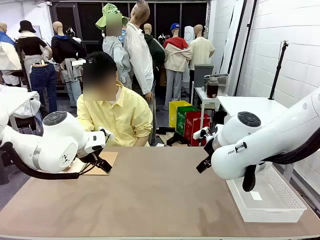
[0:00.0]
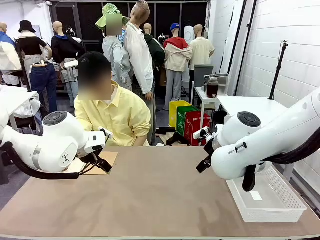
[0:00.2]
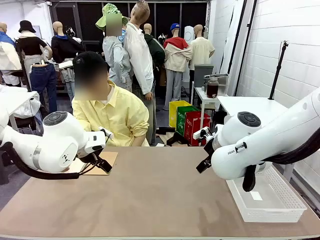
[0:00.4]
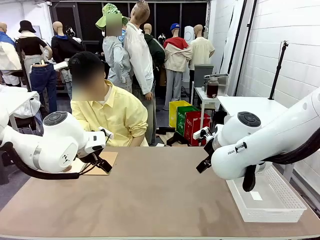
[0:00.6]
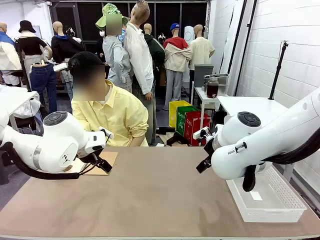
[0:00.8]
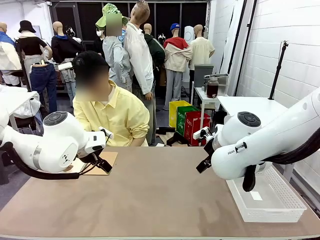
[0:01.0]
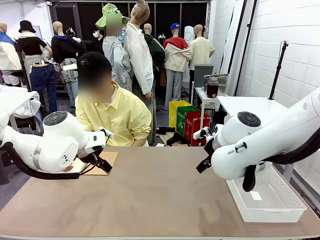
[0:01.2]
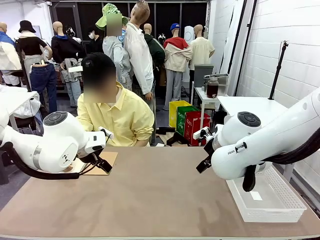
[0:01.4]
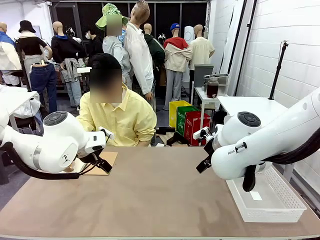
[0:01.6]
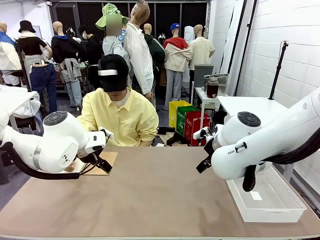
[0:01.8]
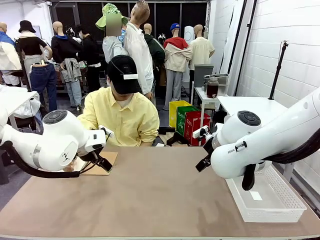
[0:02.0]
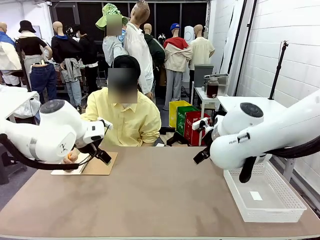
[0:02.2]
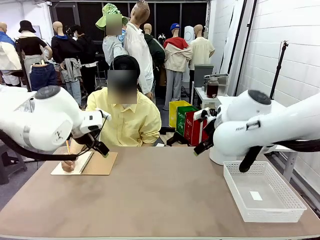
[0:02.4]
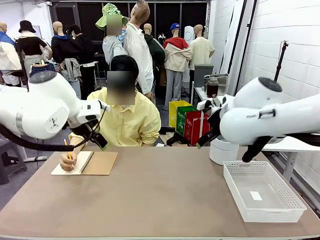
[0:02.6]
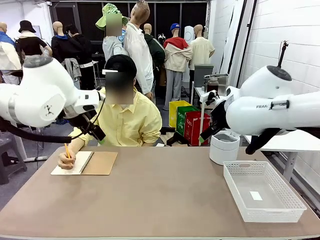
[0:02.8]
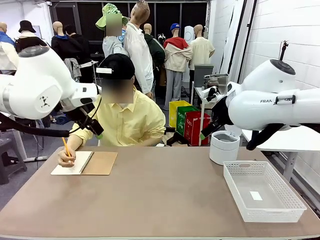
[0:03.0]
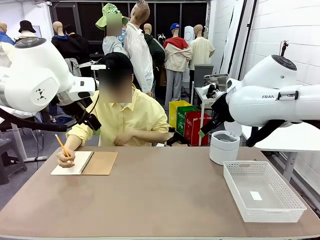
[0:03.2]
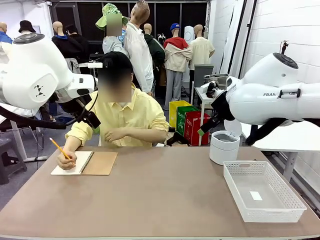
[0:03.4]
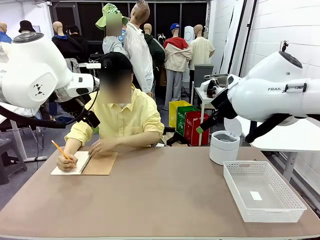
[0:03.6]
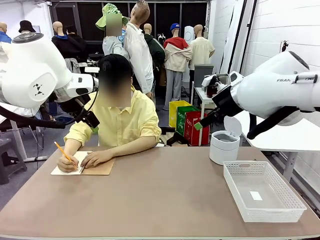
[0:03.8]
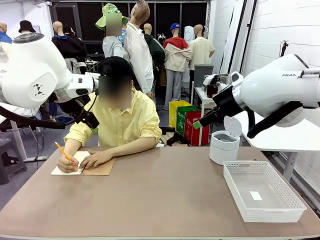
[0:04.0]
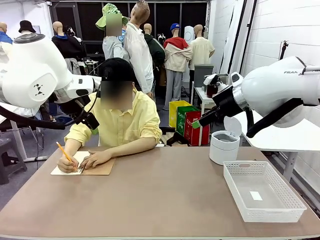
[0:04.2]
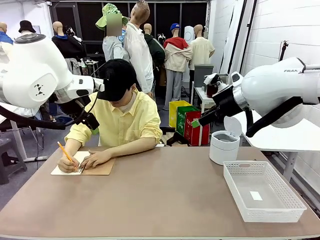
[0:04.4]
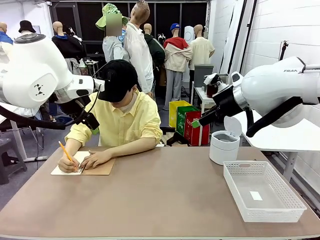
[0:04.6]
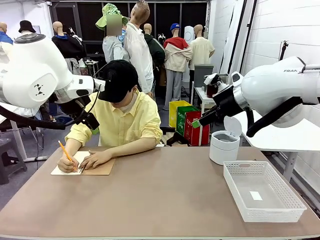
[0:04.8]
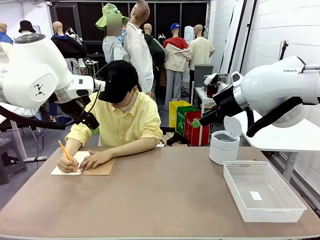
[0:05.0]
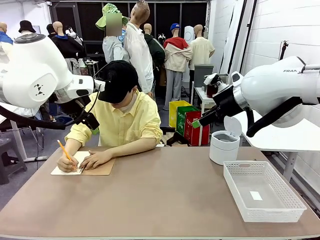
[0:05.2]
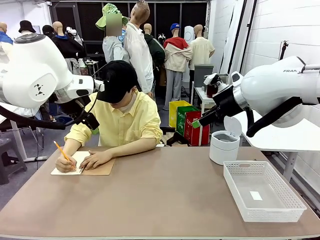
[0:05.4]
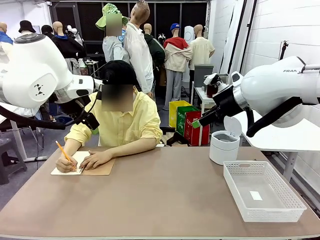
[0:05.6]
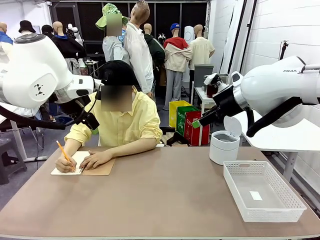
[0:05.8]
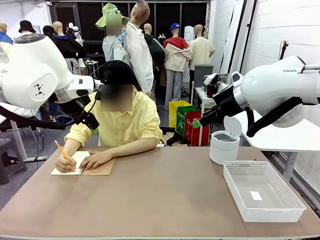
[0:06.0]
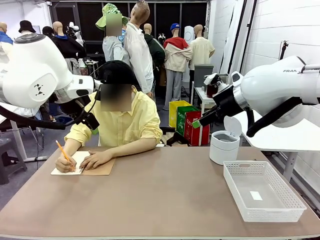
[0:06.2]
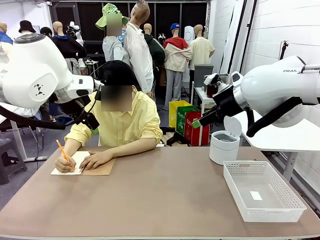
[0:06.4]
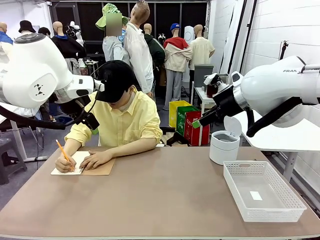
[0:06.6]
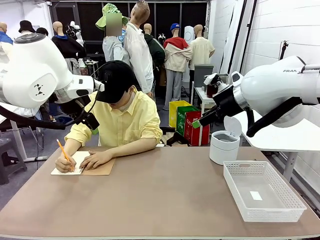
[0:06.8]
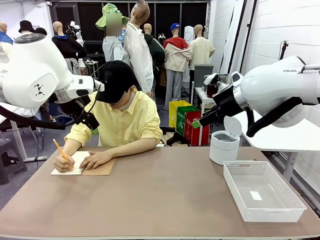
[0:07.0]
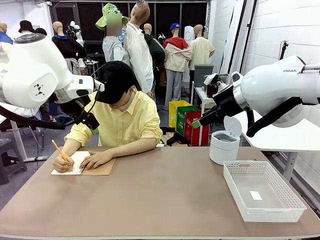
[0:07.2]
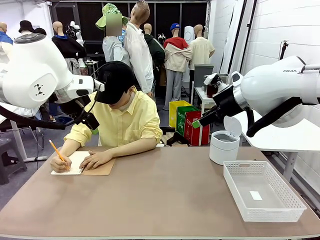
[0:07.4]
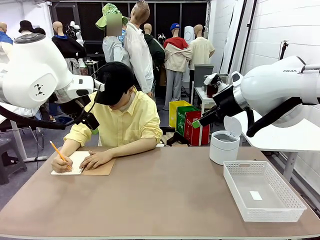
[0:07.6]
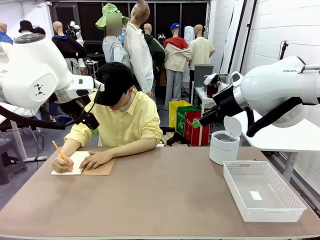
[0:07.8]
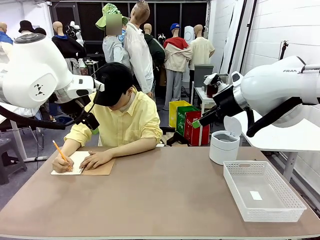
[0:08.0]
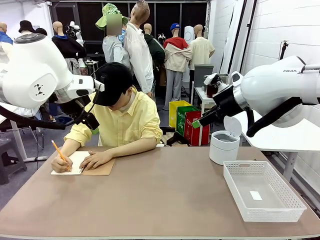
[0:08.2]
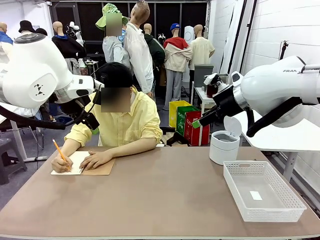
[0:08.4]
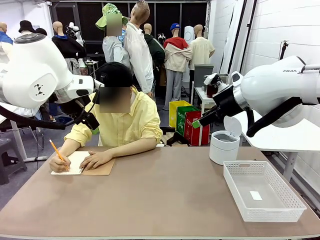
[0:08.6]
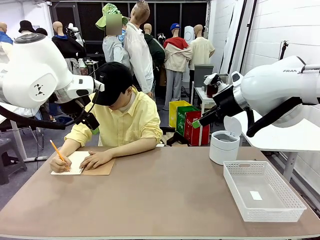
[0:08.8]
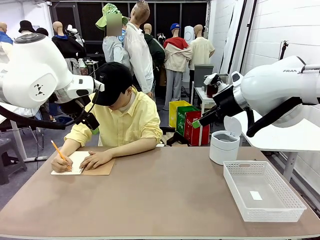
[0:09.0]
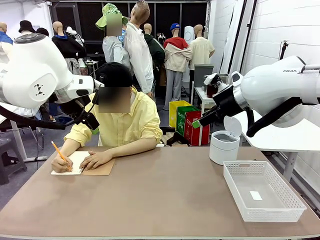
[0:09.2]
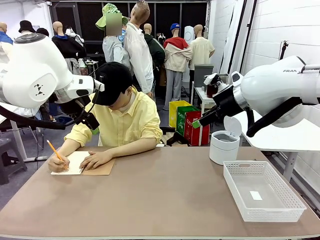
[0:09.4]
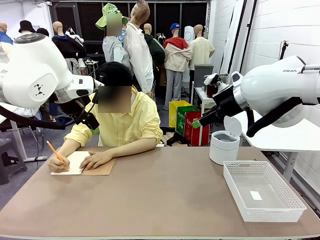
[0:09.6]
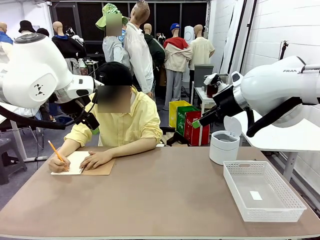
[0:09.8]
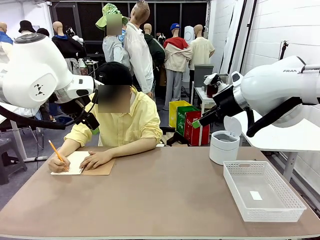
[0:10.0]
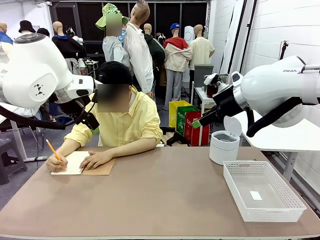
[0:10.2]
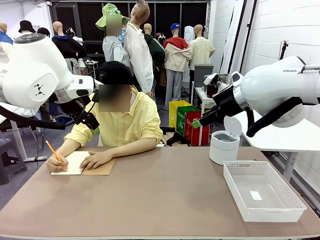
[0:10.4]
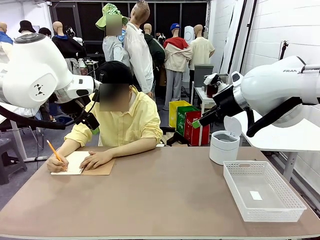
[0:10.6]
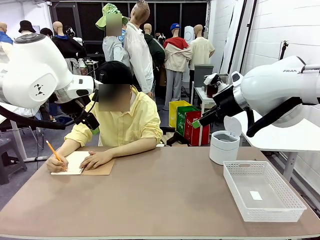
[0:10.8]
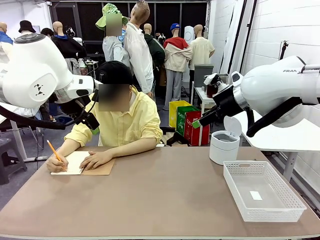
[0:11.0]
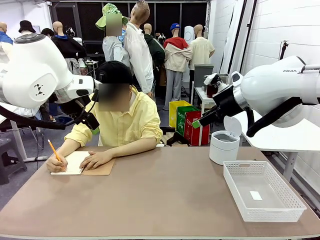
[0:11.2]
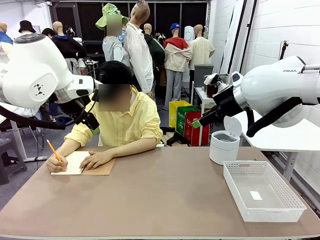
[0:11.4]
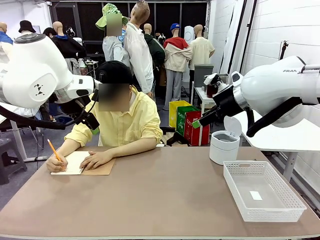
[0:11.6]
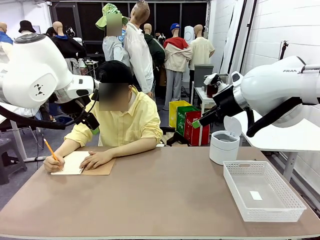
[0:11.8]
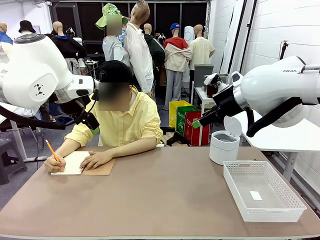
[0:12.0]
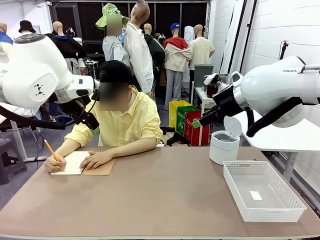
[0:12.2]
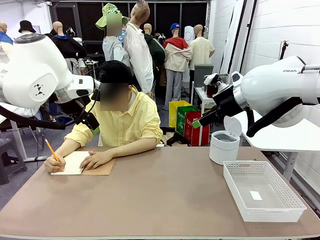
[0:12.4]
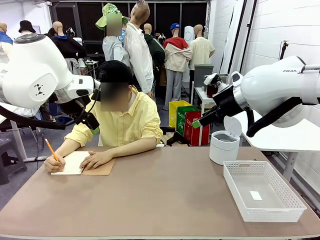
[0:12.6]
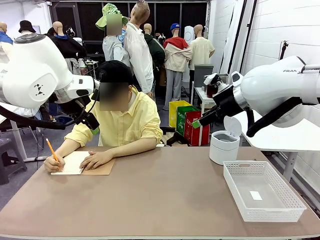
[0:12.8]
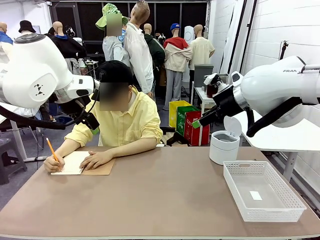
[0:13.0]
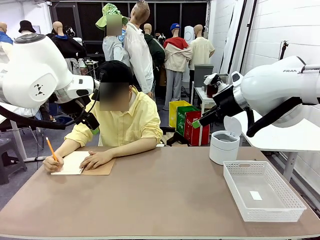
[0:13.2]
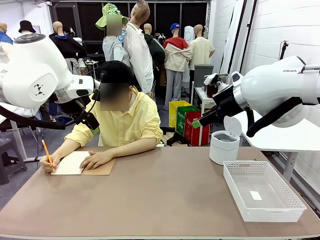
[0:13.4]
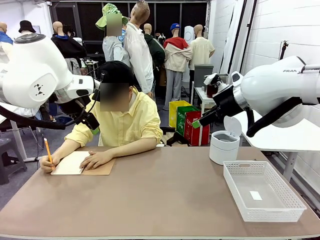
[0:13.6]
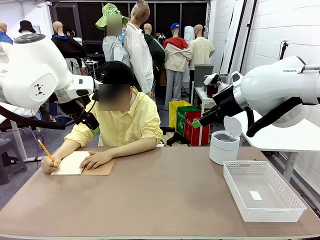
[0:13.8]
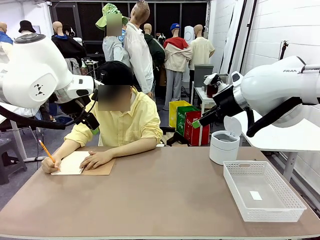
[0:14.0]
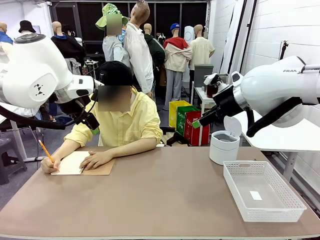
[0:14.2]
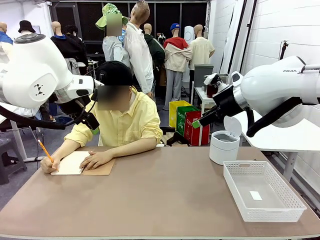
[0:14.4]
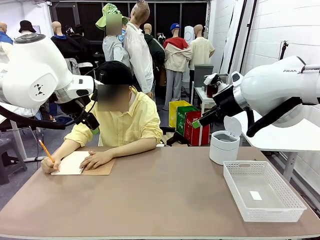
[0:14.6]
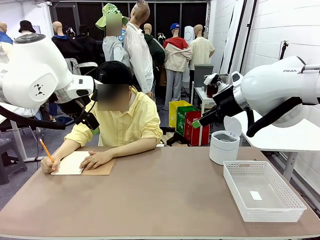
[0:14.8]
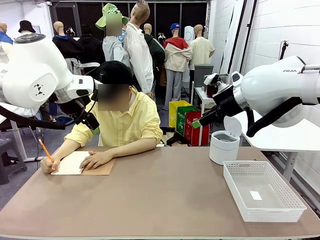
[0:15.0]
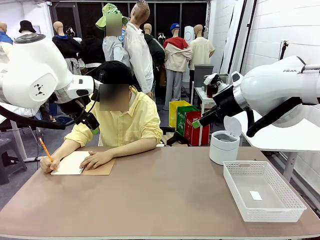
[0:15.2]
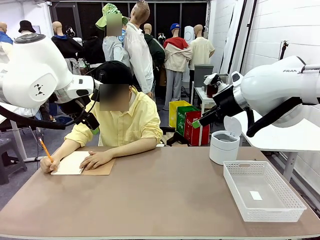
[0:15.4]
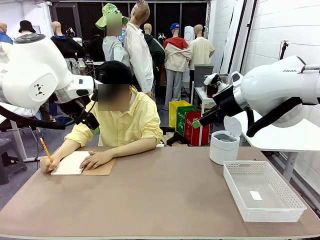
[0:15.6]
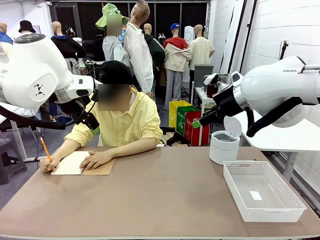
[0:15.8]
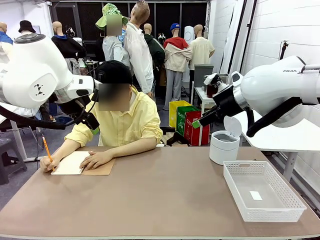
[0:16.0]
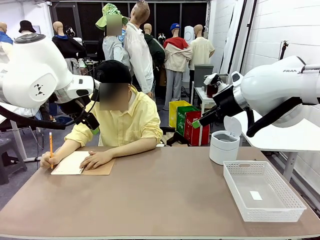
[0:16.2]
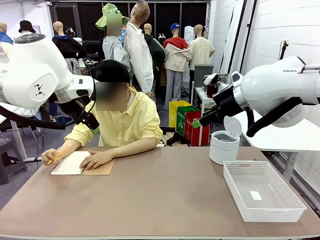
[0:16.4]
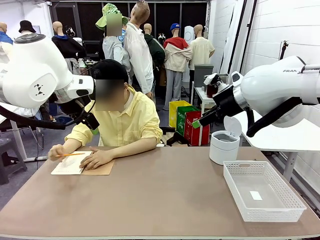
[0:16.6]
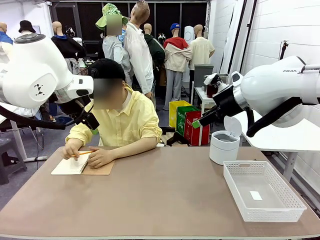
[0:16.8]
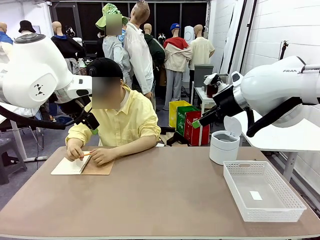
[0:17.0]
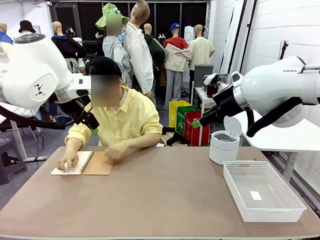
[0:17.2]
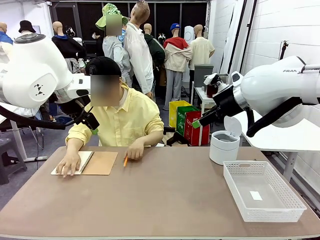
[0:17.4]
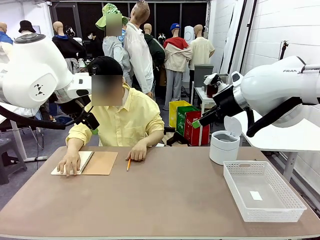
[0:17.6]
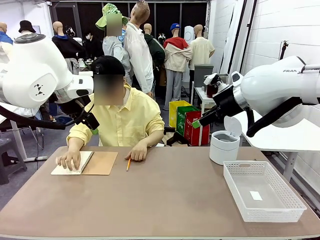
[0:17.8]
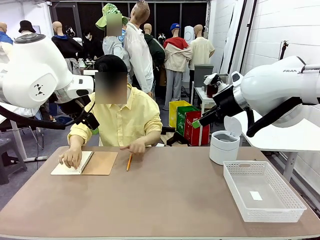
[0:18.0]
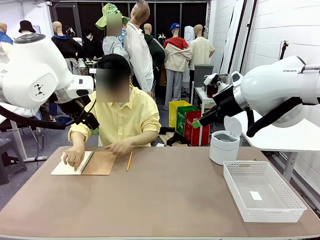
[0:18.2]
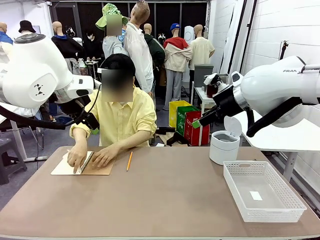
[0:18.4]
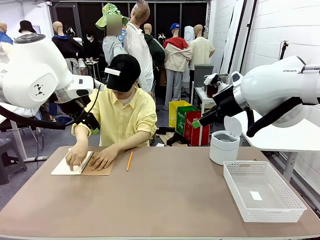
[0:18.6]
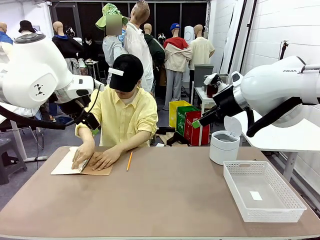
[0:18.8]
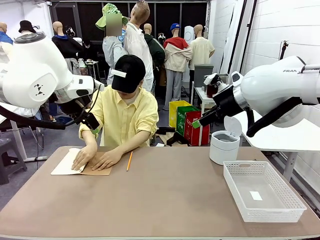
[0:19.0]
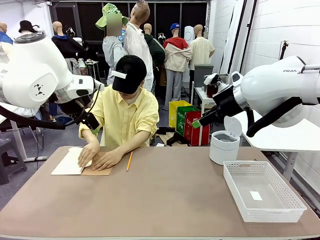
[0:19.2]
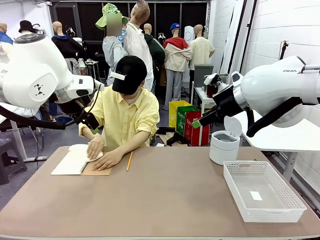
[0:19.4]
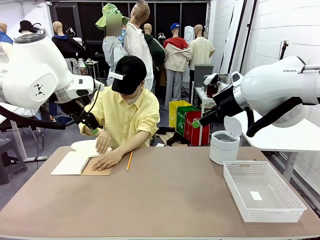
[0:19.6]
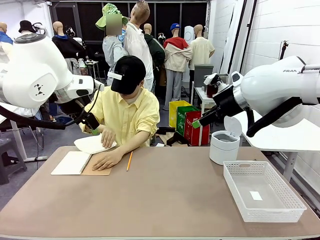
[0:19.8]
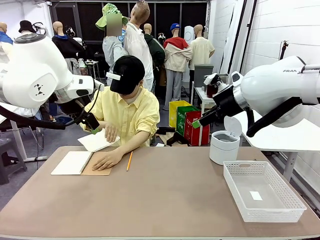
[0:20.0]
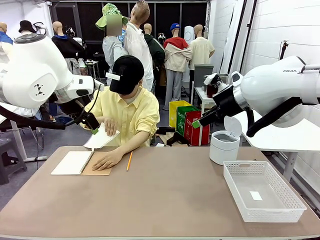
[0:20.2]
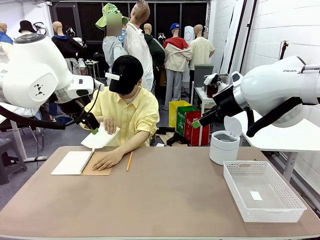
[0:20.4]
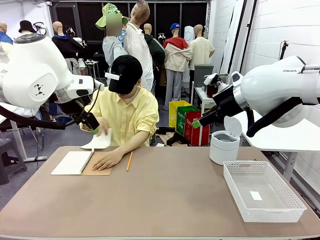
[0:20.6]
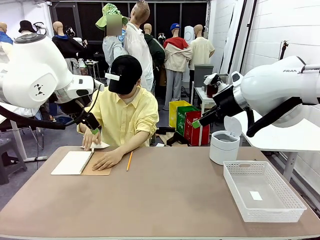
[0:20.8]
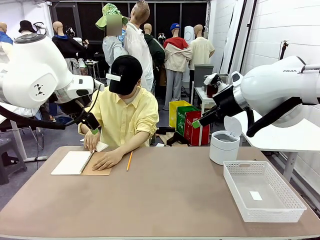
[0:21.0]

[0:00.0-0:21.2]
Task: Sort the paper based on its condition.
Robot: If a person hands you a paper, place it in the Organizing basket , and if it's crumpled, put it in the Trash can.
Person: Tear out a page from the spiral notebook.
